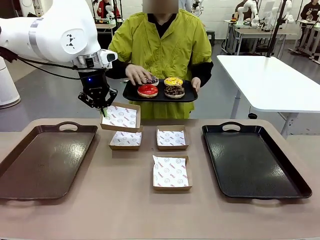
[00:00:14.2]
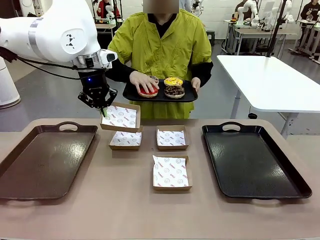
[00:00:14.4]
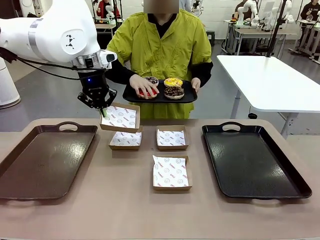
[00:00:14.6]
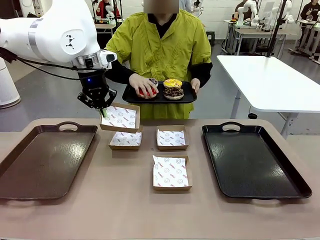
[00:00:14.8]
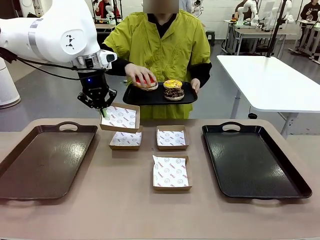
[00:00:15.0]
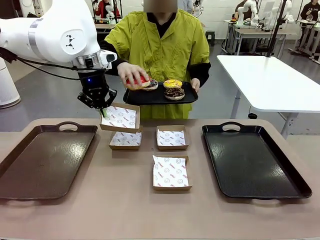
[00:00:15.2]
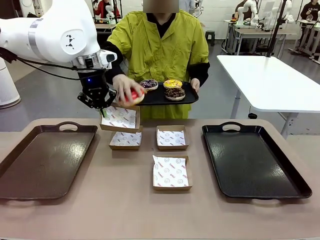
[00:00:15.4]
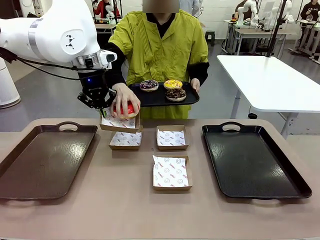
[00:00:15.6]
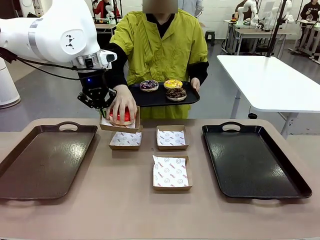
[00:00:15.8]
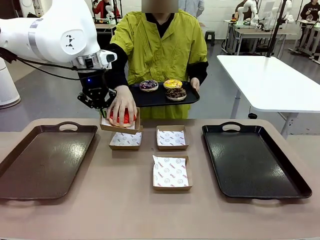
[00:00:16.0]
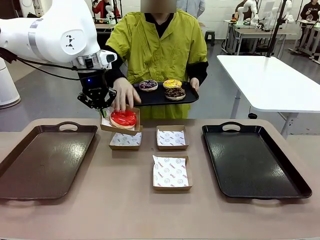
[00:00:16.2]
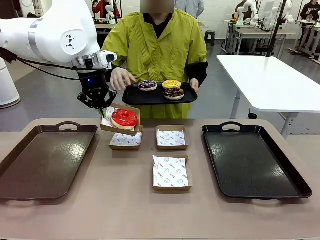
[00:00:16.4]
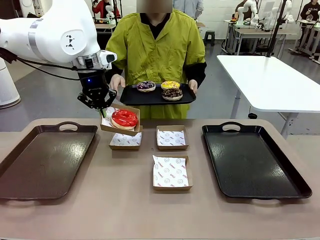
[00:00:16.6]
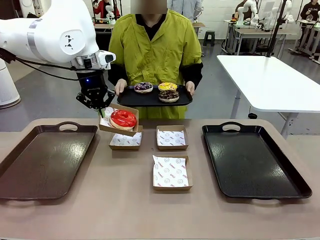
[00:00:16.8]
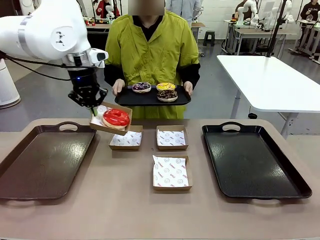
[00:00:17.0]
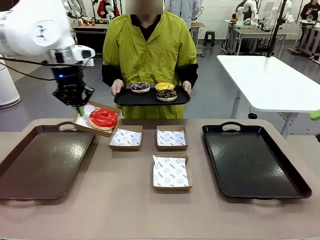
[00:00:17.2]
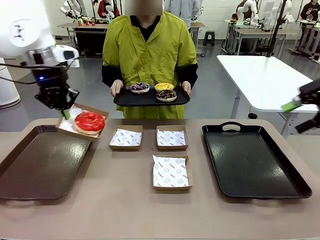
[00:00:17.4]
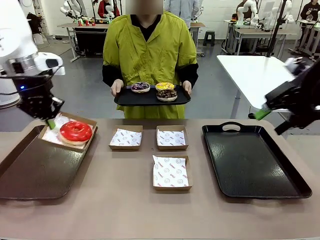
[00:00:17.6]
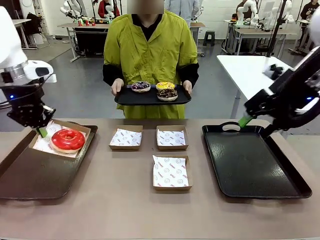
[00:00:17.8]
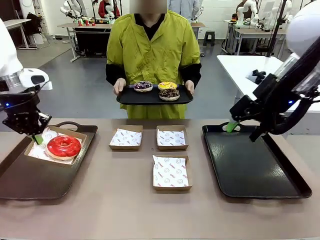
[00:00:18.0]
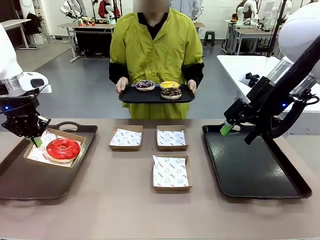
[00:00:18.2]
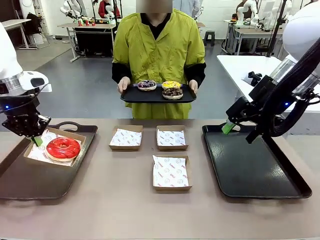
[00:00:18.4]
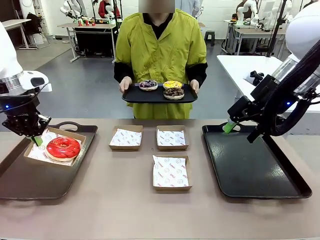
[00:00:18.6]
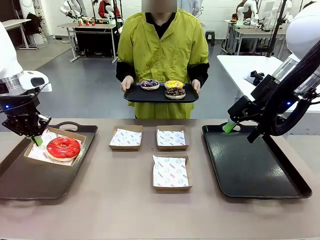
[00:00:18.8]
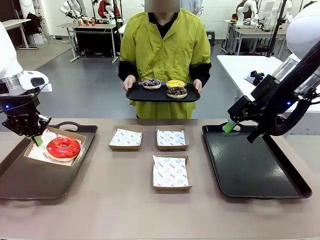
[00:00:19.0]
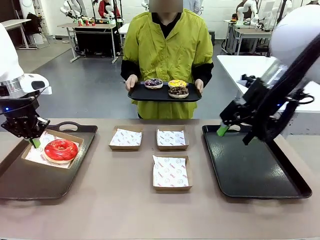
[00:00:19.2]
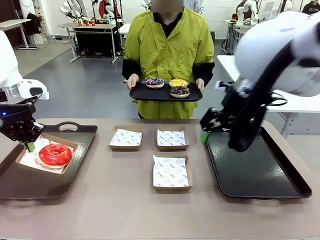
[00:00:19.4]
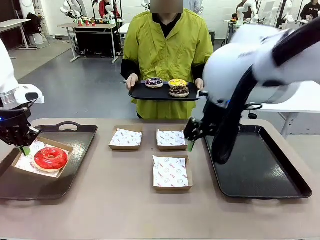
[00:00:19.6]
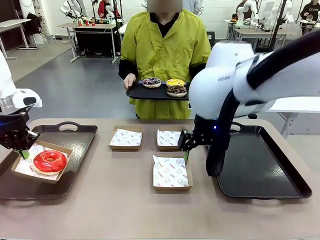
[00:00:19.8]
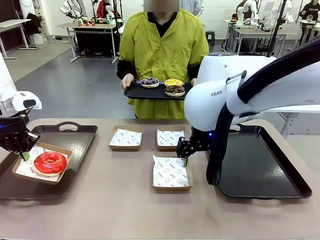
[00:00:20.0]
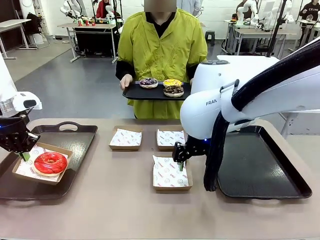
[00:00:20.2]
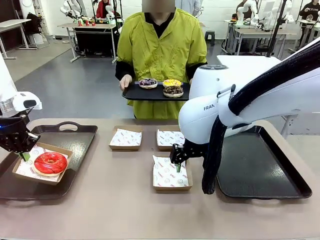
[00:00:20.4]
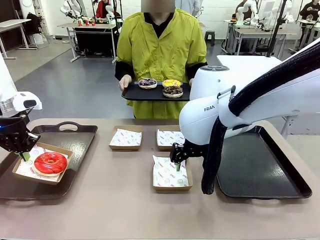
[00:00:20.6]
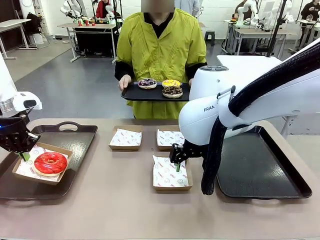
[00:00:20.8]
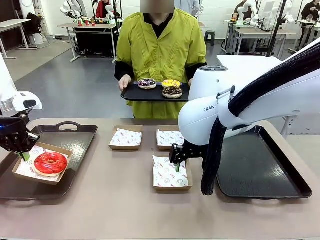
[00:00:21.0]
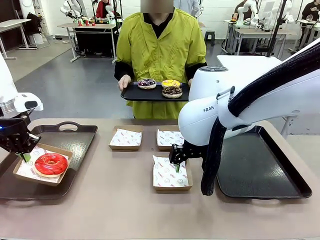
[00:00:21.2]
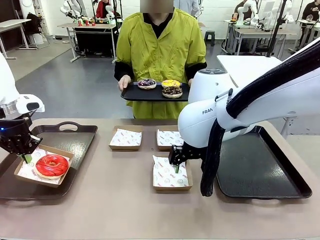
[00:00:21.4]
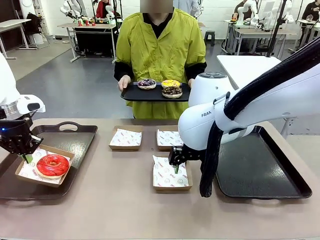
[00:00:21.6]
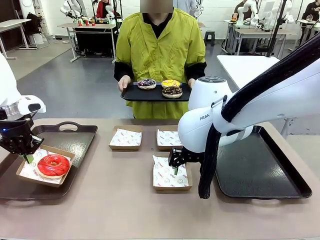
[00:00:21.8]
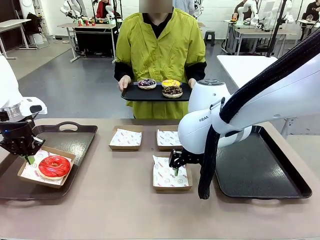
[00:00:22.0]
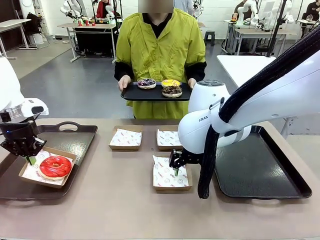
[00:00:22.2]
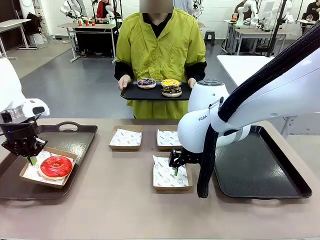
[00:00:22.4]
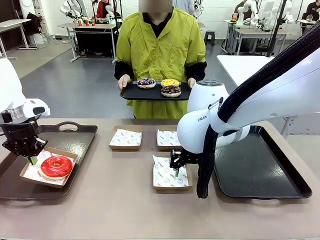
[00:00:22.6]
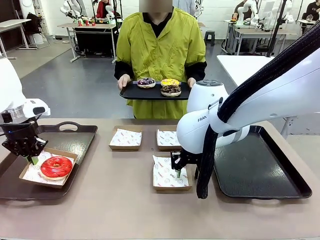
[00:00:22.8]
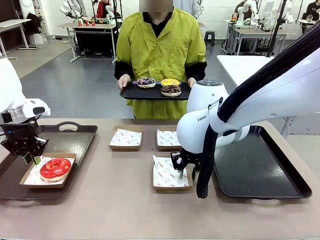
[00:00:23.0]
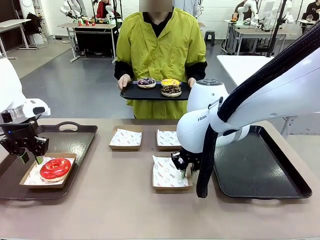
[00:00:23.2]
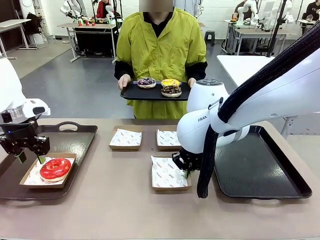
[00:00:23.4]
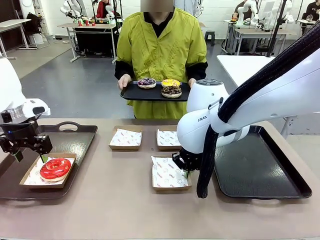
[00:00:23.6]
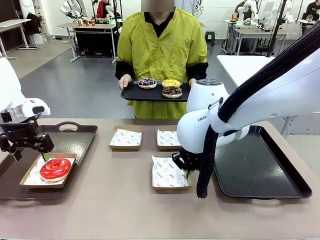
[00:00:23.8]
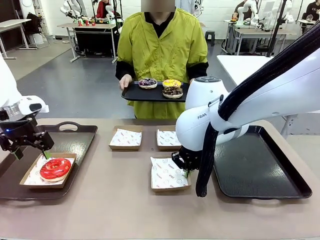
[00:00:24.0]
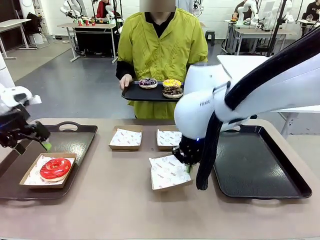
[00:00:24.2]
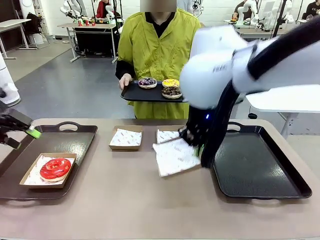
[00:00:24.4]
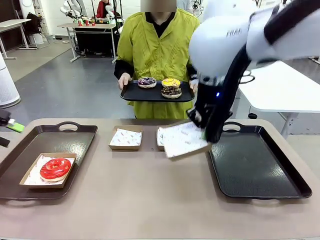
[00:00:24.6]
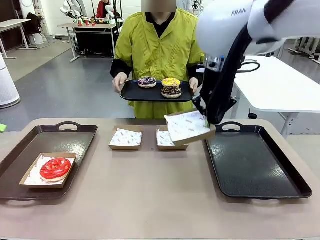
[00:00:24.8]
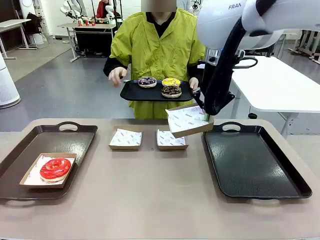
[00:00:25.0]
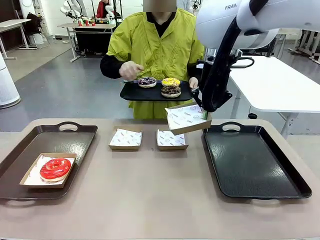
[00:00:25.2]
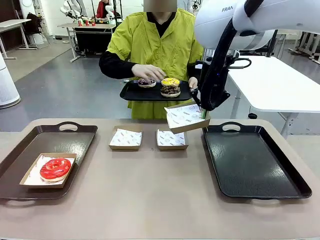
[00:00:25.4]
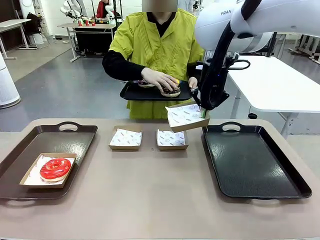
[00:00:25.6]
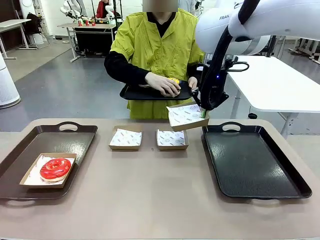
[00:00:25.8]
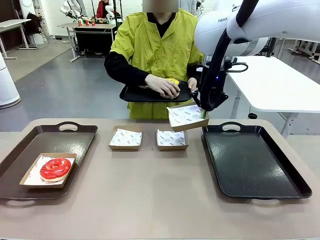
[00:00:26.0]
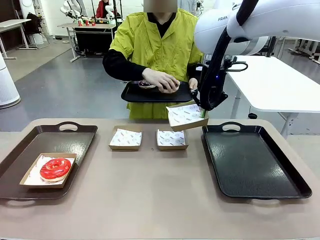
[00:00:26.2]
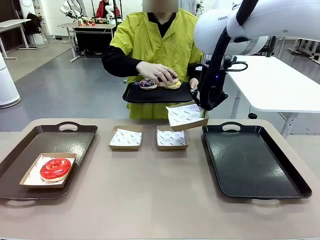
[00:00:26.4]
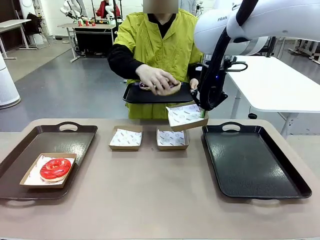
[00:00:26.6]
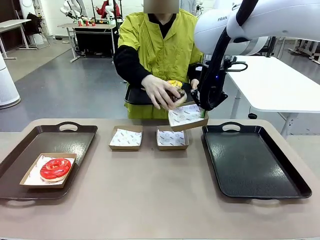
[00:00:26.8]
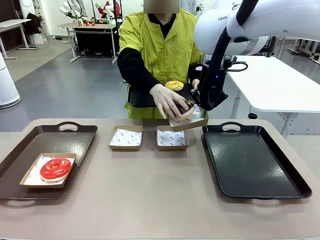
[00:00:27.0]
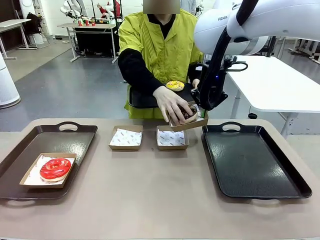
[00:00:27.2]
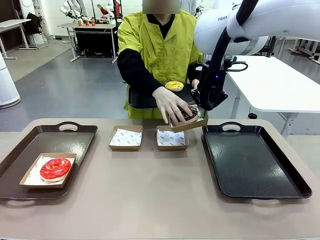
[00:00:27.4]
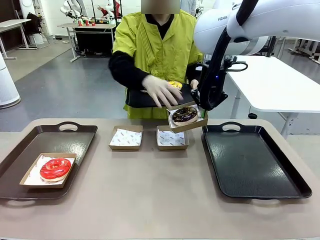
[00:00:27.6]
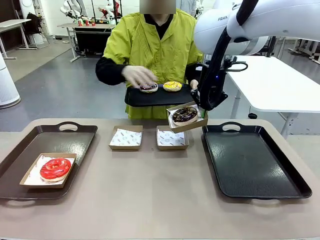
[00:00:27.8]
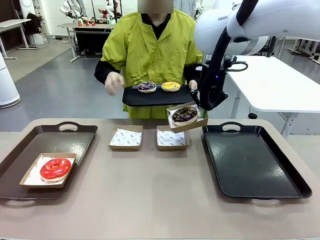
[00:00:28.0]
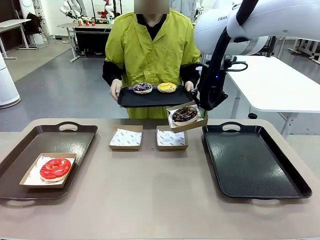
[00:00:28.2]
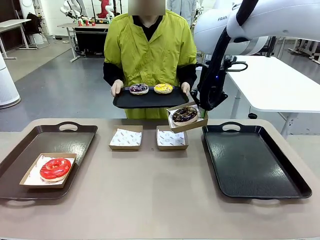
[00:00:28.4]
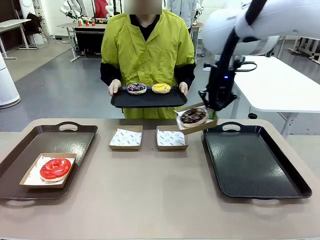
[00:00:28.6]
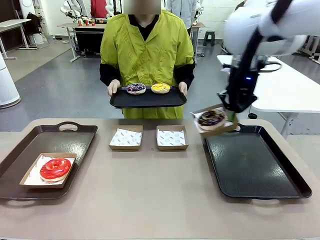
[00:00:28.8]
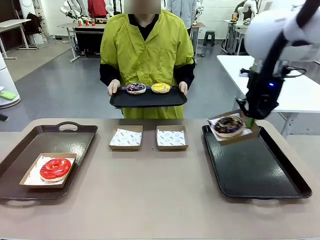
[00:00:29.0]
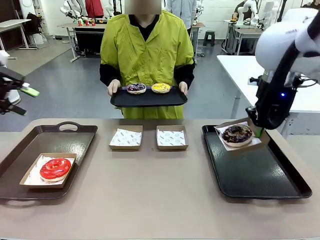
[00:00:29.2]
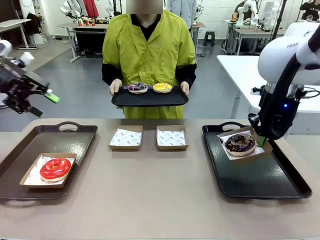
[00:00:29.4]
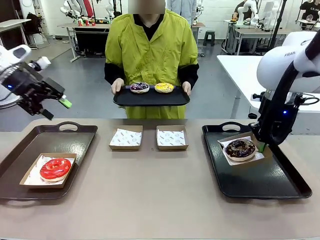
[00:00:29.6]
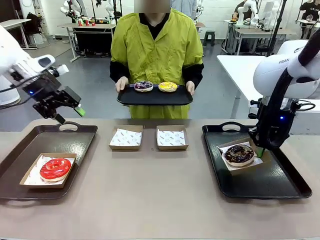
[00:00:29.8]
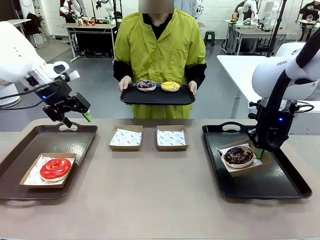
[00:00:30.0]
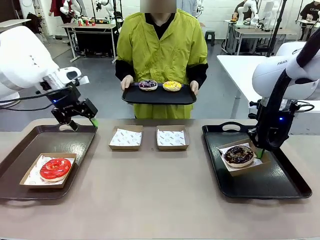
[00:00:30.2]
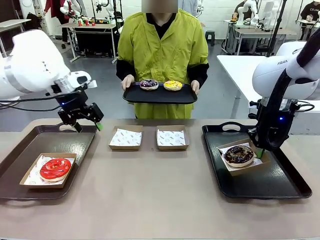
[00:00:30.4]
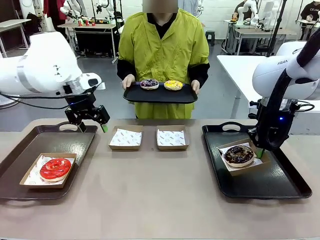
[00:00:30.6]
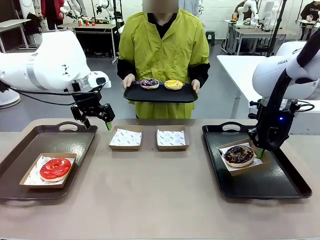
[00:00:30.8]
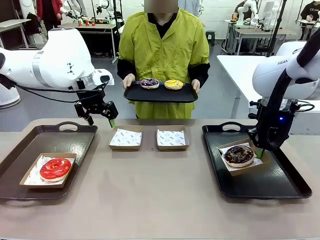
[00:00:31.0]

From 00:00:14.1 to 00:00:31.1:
Task: Individually package the donuts and arrange them on the tray.
Robot: Place the picked Paper togo box on the Handle tray while simultaneously picking up another Paper togo box from the table with the other hand.
